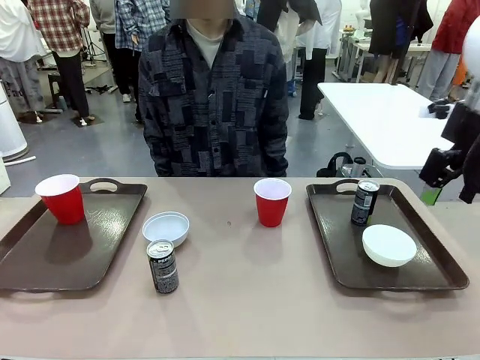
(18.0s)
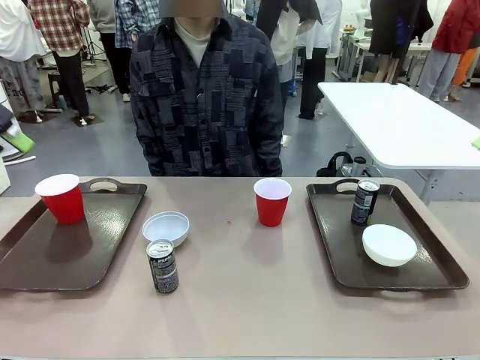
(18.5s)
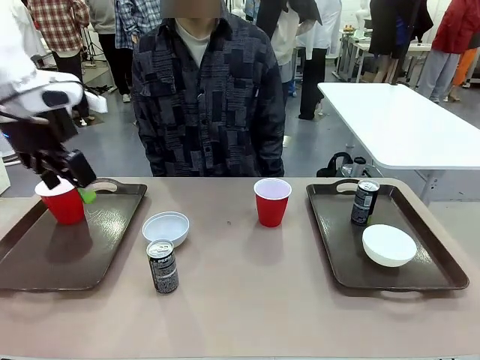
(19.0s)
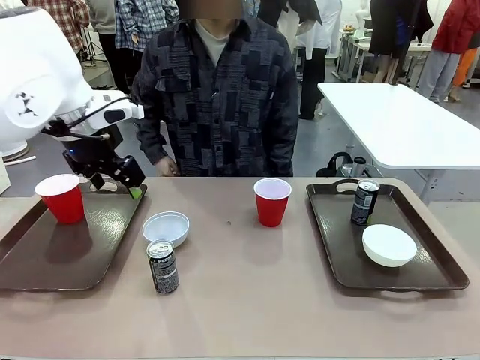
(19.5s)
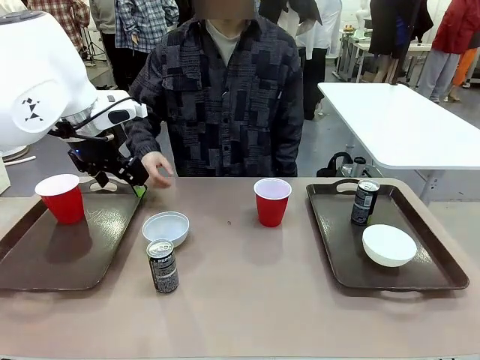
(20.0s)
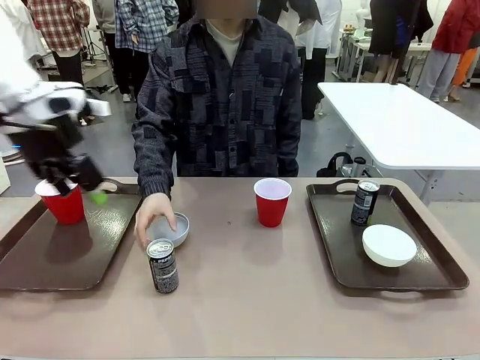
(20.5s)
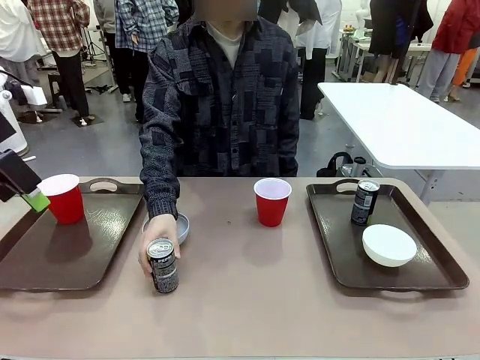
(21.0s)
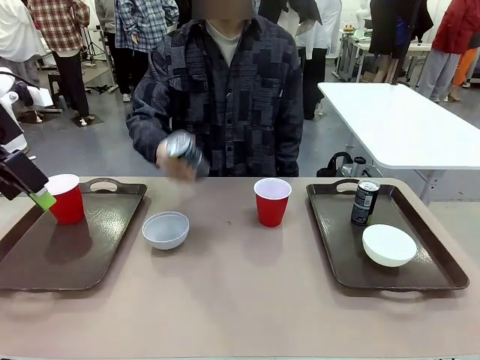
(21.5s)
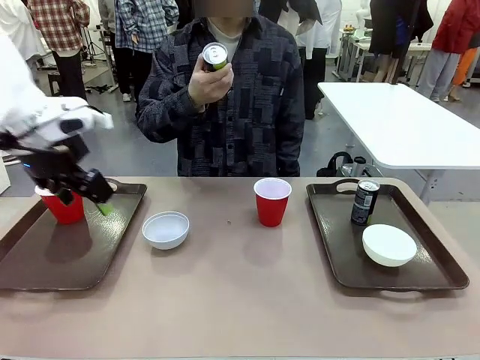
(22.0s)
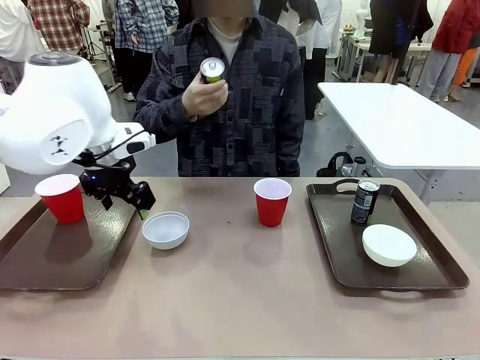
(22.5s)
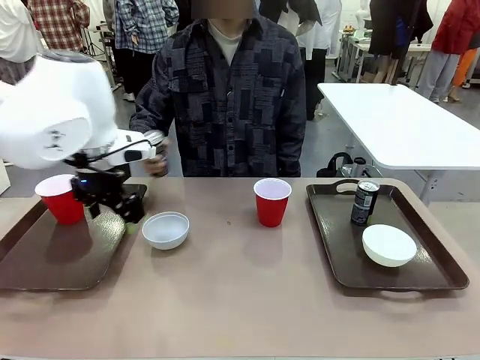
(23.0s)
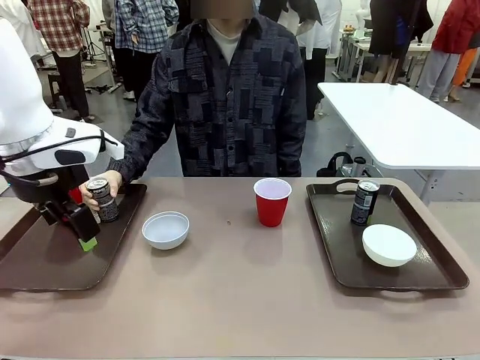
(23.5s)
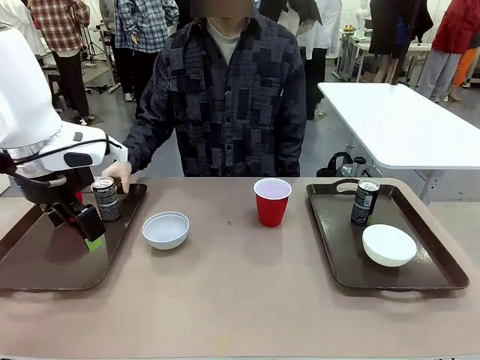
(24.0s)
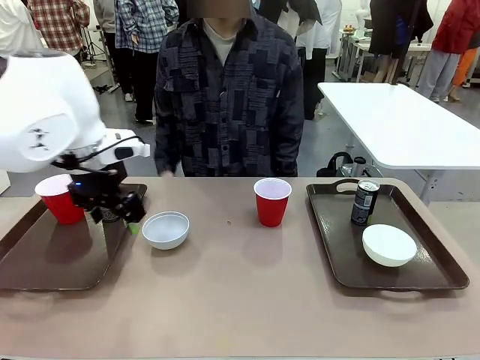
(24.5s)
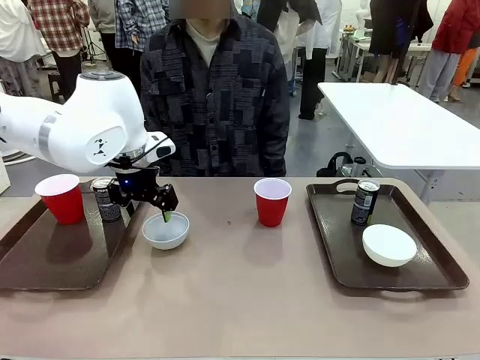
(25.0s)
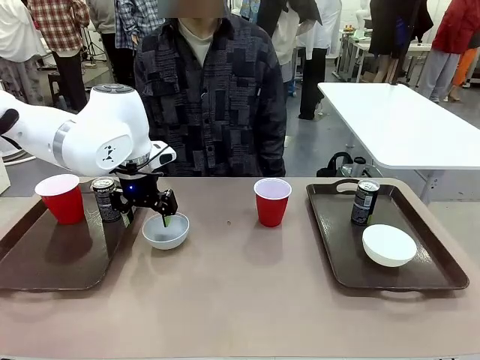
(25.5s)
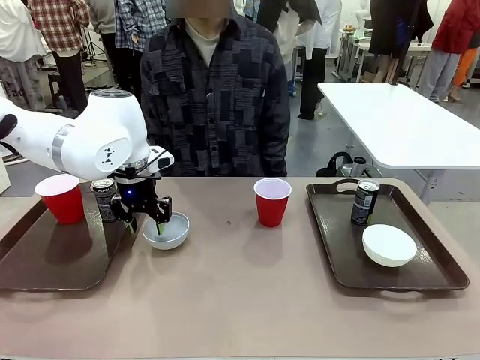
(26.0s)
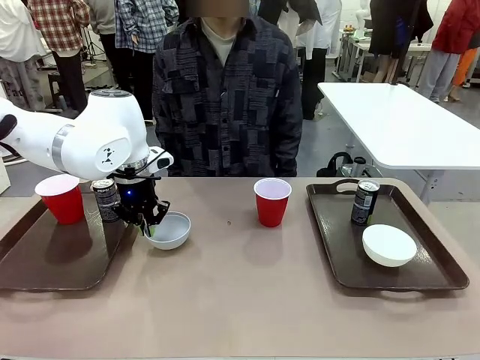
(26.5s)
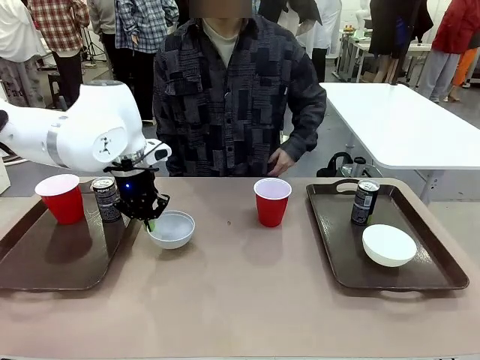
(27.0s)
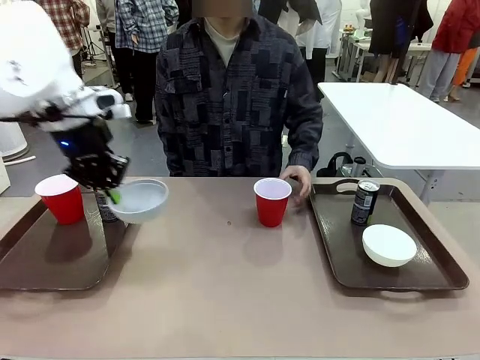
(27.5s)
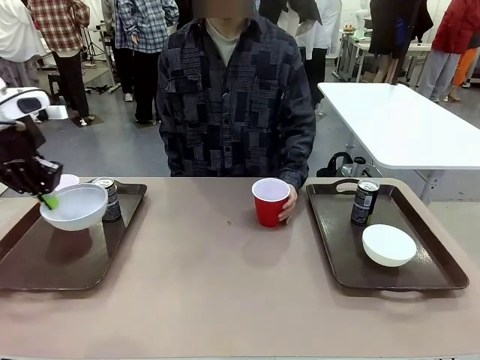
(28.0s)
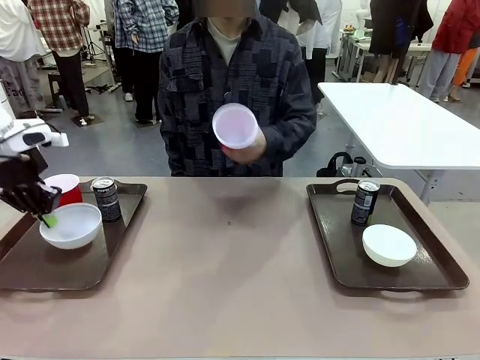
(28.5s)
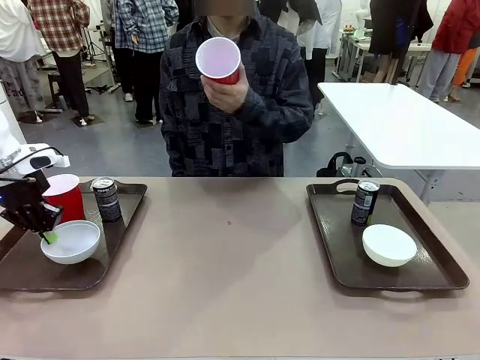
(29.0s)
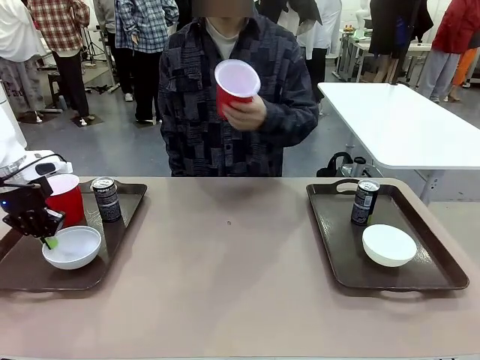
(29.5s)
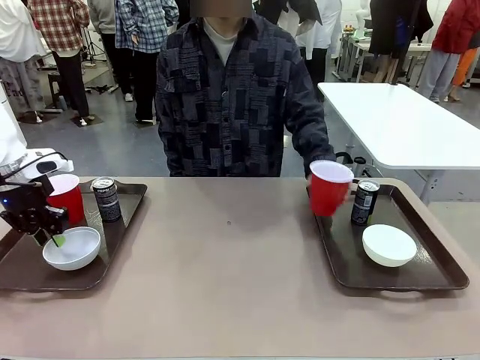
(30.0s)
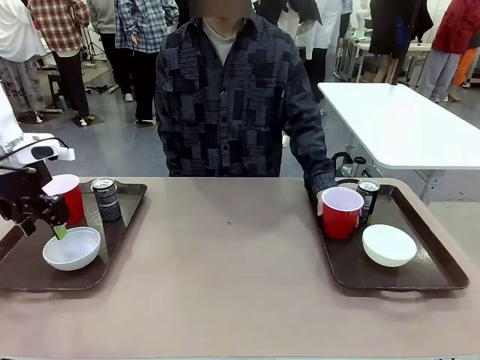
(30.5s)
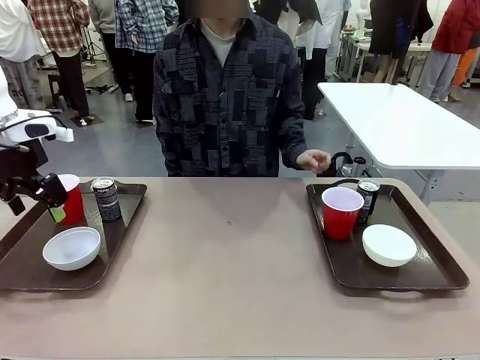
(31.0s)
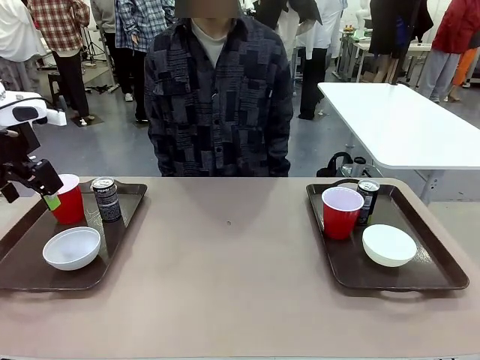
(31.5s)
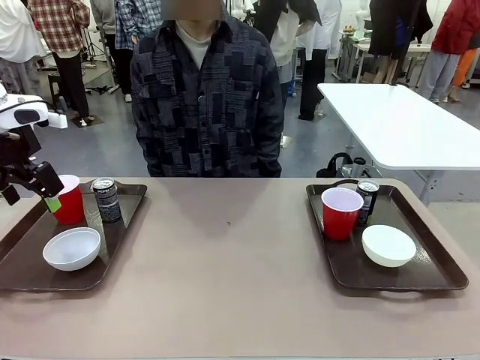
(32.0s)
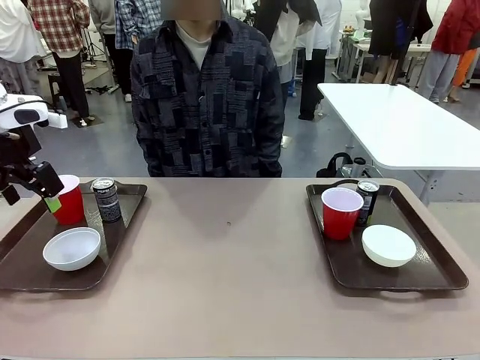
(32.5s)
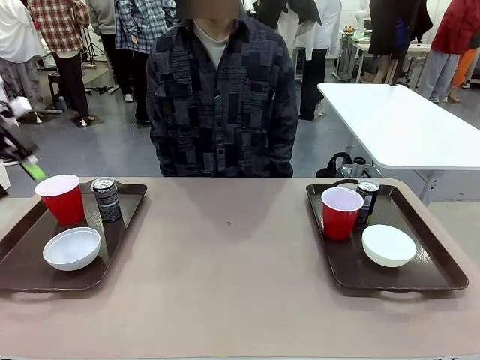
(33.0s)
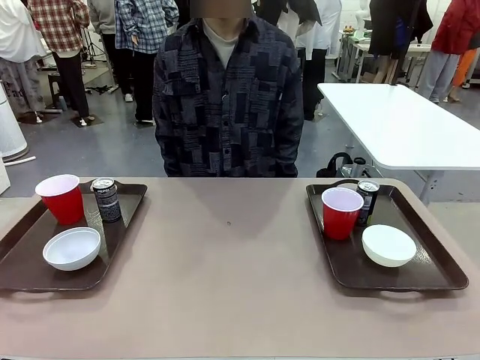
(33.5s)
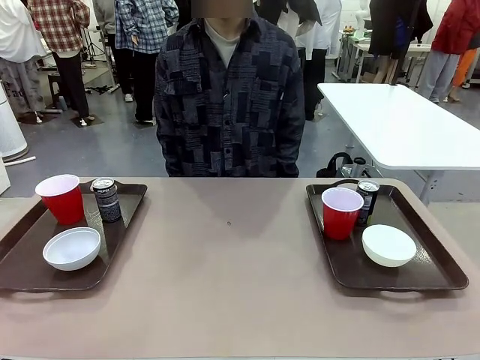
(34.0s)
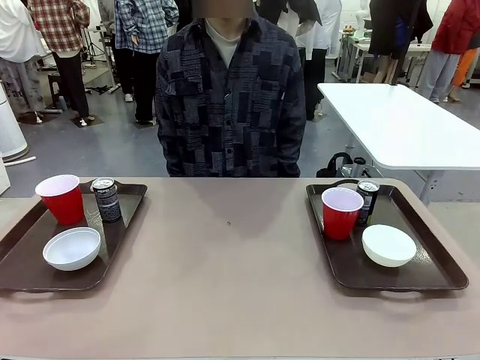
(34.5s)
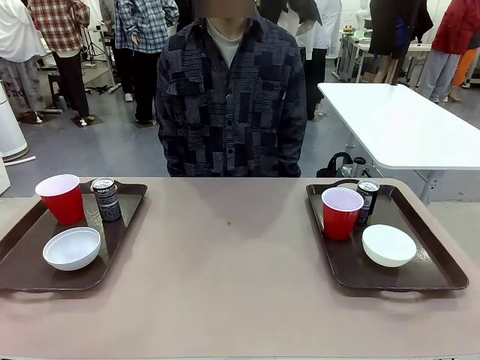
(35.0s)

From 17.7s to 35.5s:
Task: Prepare tableware on both trays.
Robot: Pick up a Picnic Bowl from the table and place it on a Handle tray.
Person: Pick up a can or cup and place it on the tray without a can or cup.
